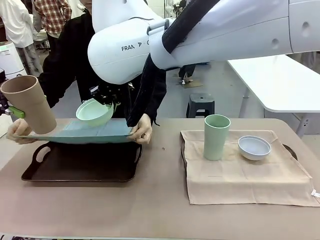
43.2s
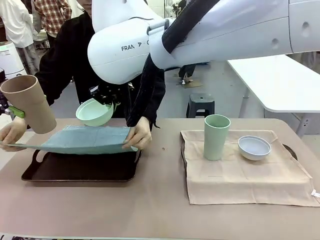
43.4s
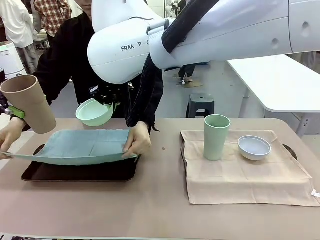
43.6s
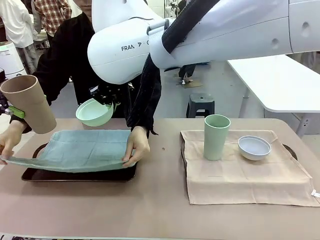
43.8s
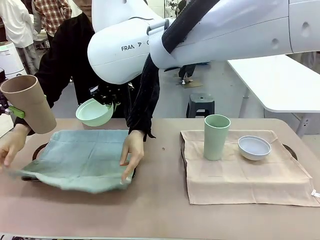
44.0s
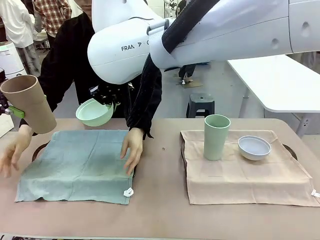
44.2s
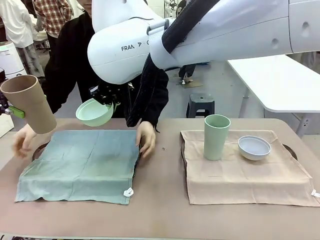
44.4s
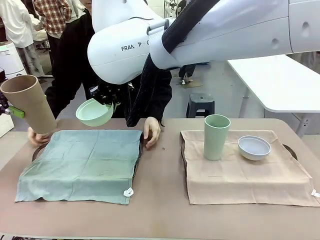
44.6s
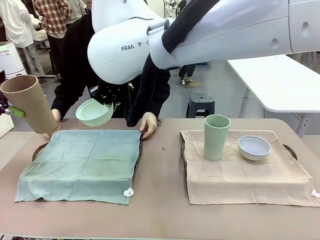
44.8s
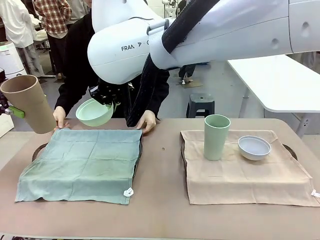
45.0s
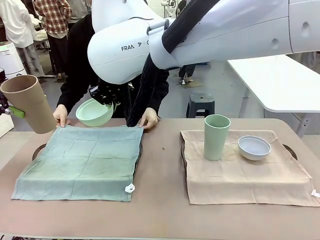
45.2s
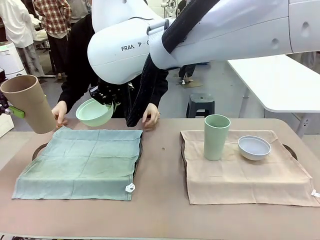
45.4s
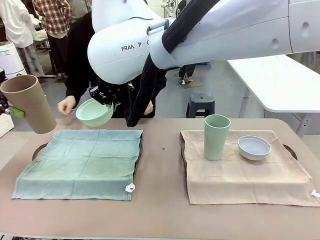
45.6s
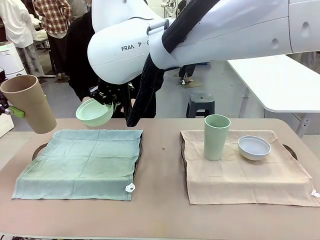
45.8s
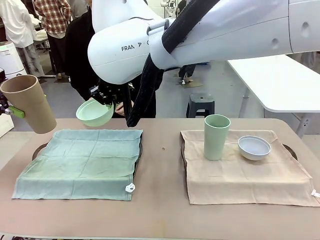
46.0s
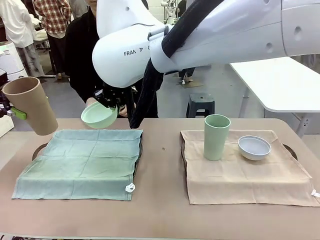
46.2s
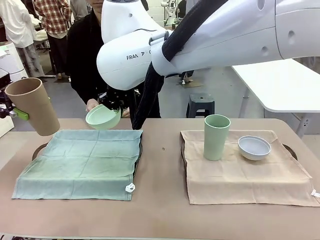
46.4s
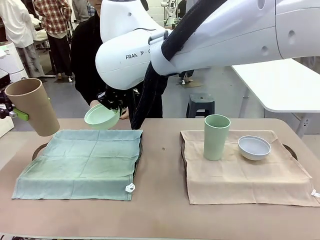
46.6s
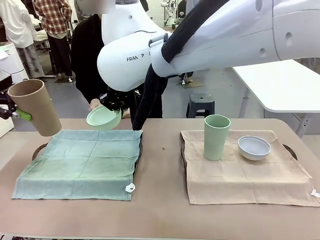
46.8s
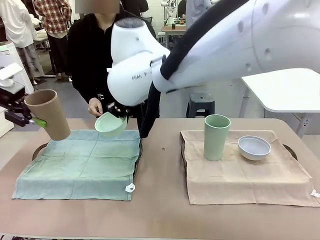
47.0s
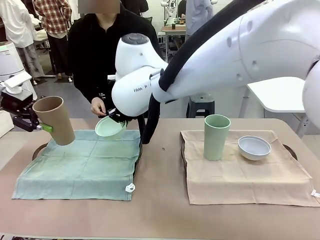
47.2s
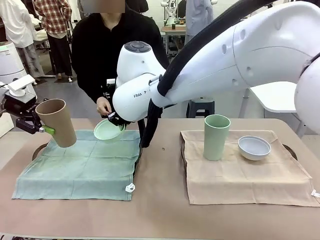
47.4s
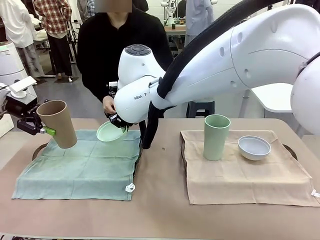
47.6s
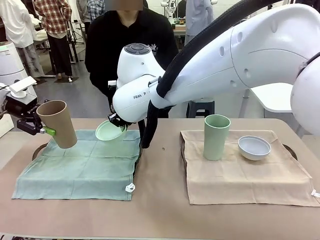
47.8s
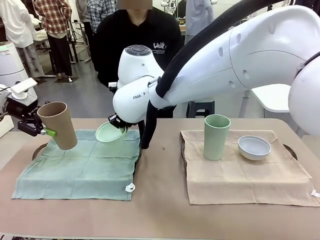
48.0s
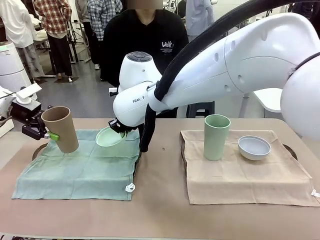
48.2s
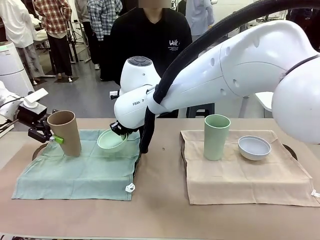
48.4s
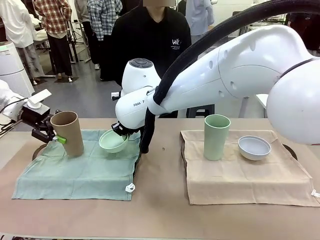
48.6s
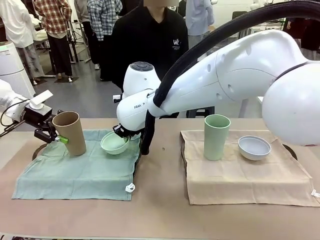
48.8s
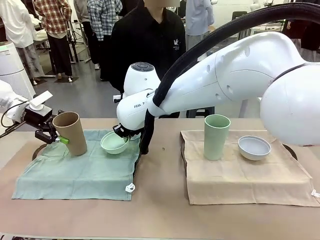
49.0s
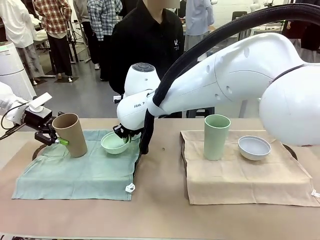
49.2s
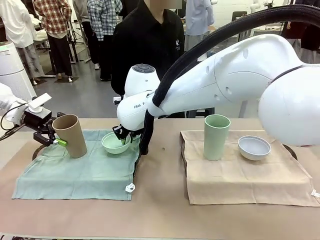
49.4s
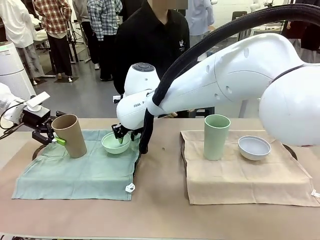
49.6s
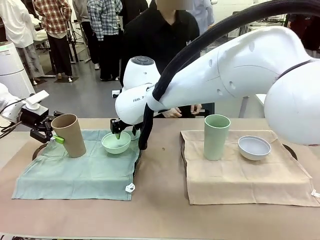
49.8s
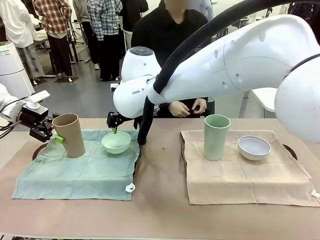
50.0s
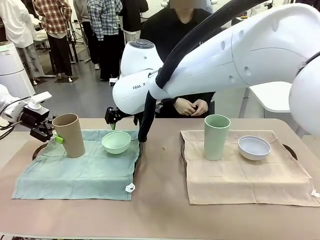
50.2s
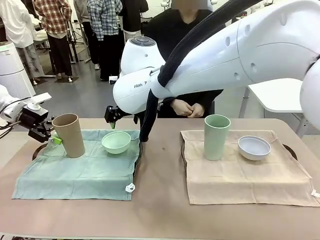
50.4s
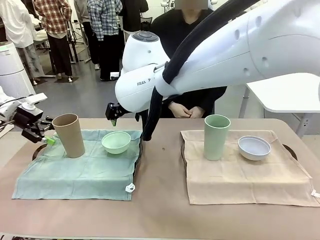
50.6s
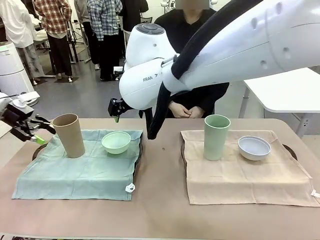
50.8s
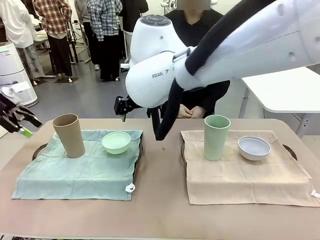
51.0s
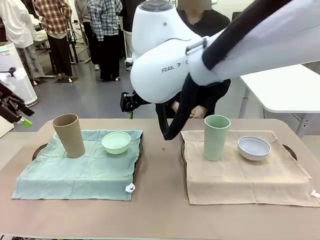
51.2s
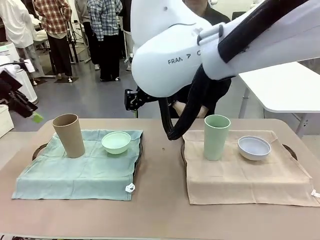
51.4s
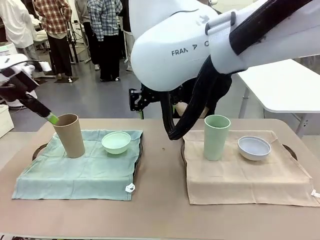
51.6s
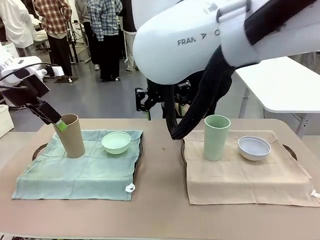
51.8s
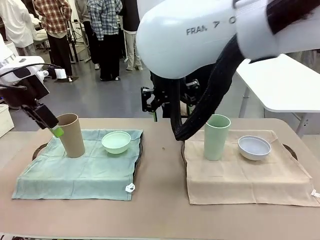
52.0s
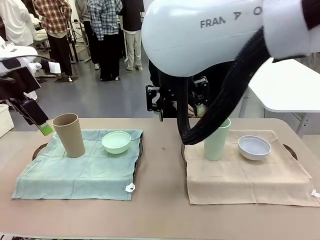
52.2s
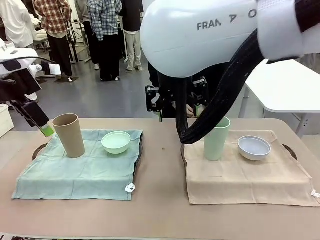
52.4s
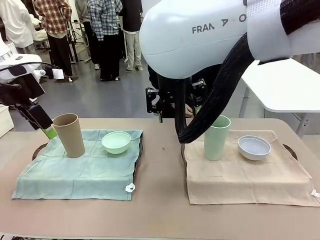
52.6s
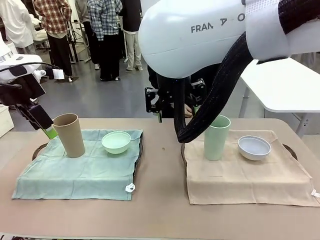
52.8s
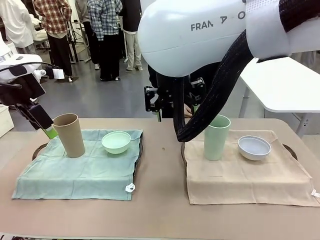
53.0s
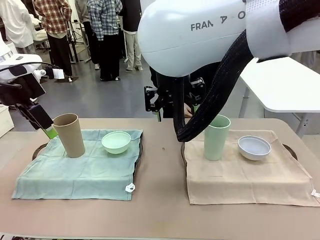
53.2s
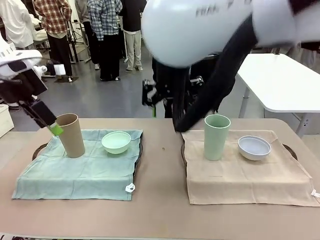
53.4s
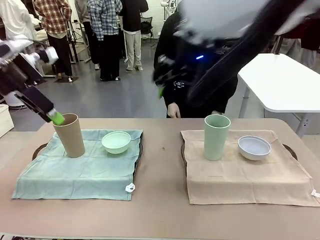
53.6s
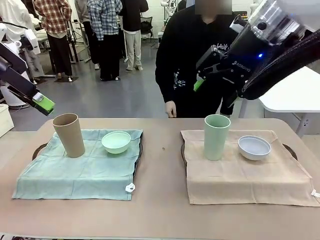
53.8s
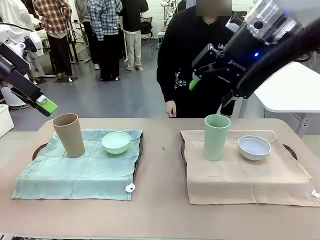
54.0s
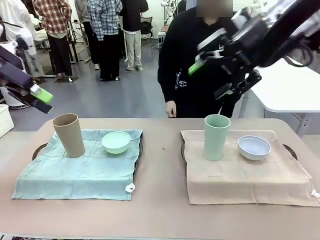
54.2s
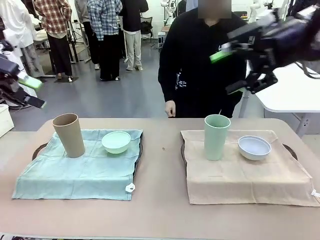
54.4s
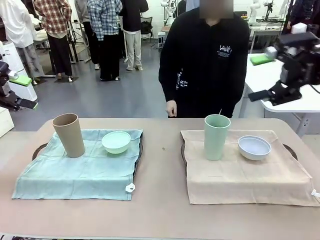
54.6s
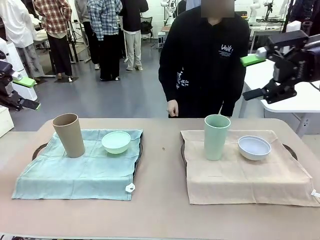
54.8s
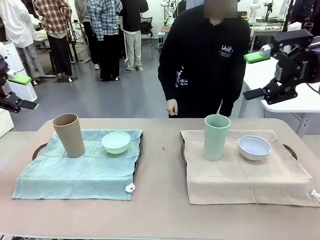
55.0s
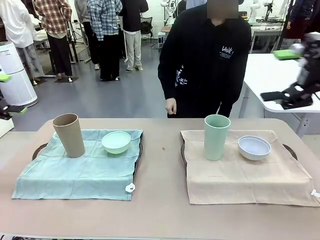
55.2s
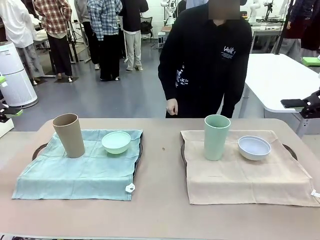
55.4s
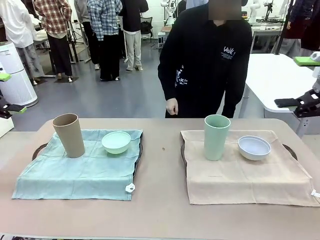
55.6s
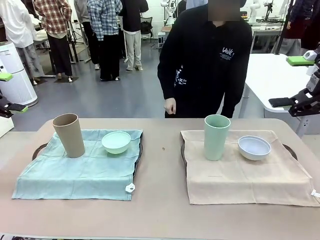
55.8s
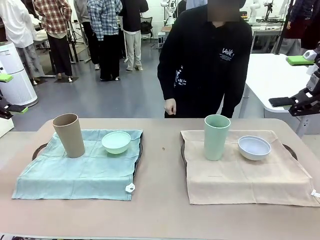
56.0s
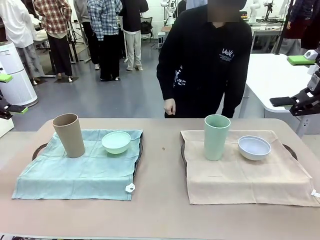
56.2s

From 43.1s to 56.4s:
Robot: Place the Picnic Bowl and Reusable plastic cup back onto the Handle tray in front of the human's position.
Person: When the robot lifts the bowl and the cup, the human unfolds the napkin and lays the napkin flat on the tray.

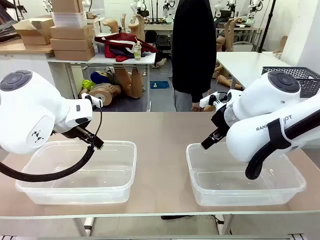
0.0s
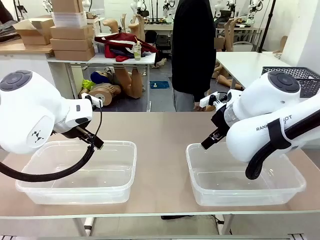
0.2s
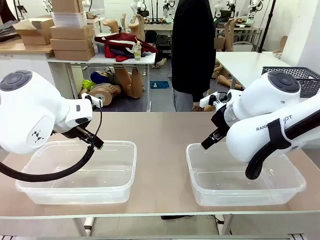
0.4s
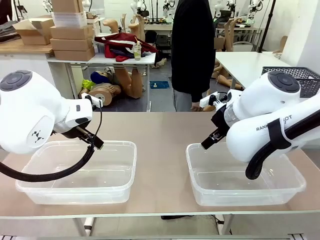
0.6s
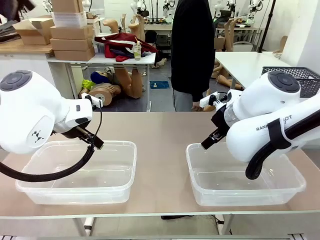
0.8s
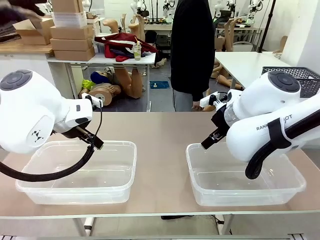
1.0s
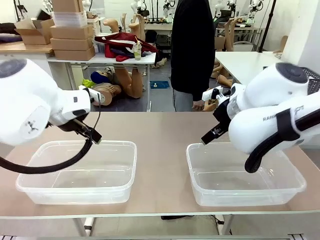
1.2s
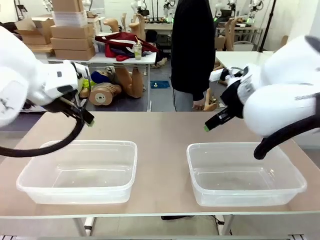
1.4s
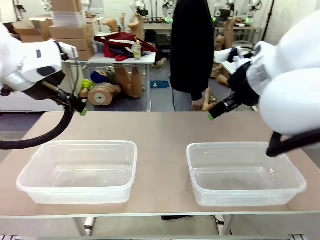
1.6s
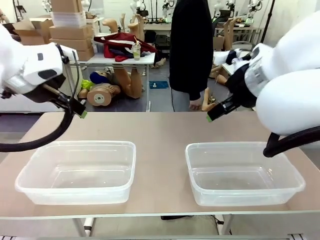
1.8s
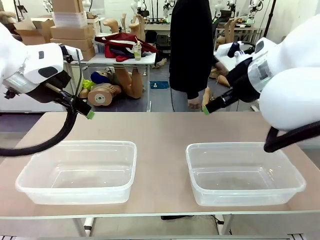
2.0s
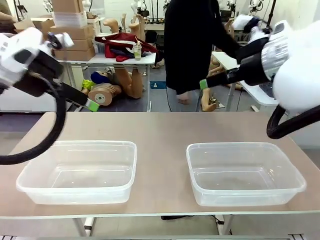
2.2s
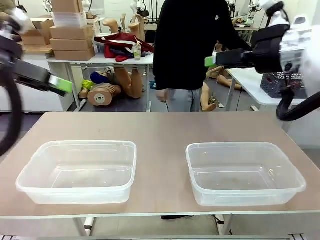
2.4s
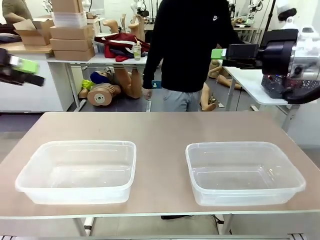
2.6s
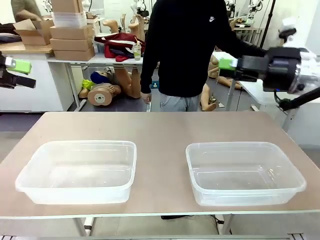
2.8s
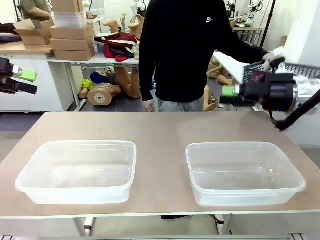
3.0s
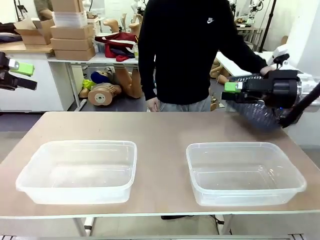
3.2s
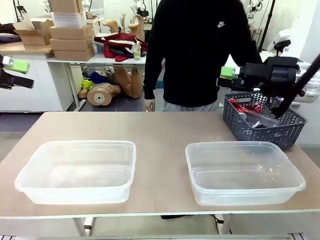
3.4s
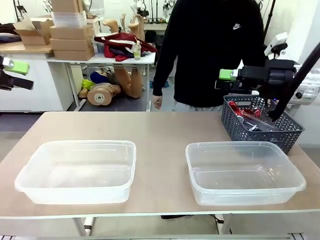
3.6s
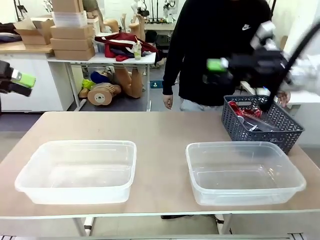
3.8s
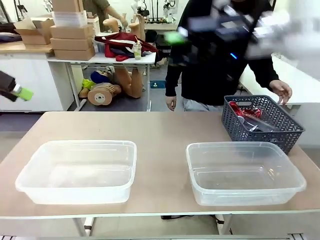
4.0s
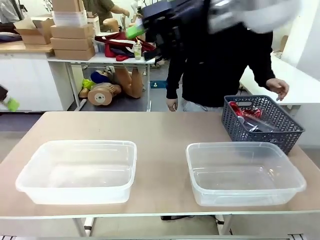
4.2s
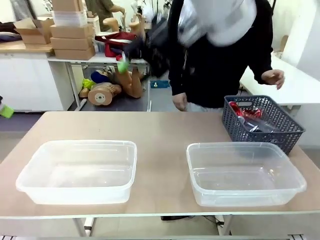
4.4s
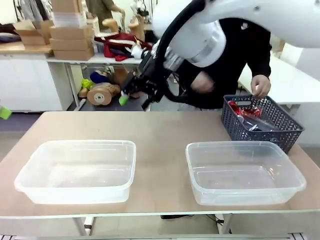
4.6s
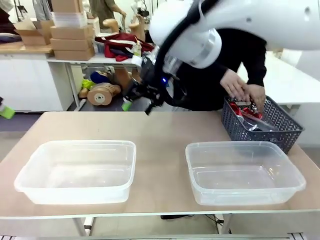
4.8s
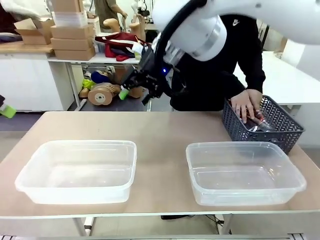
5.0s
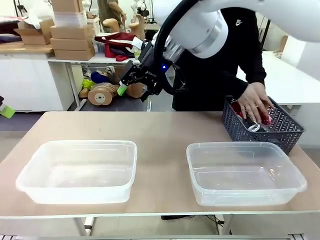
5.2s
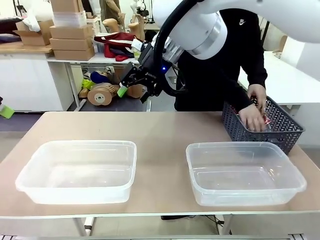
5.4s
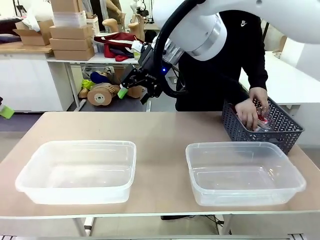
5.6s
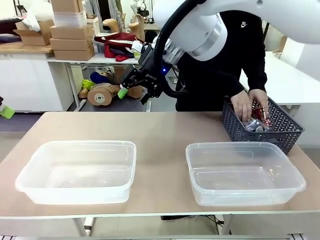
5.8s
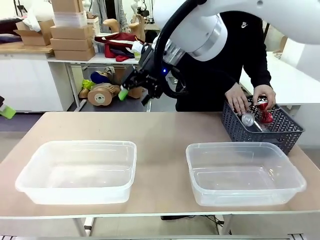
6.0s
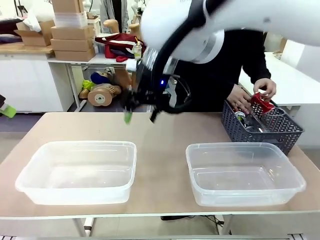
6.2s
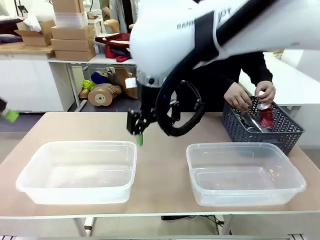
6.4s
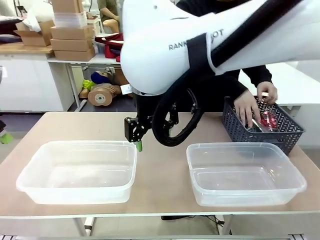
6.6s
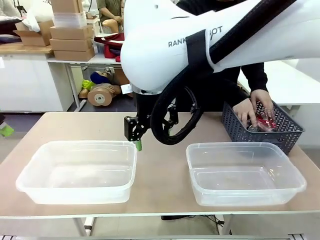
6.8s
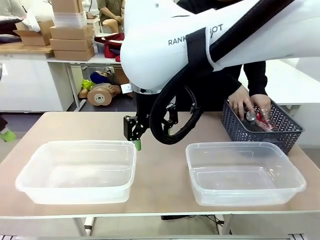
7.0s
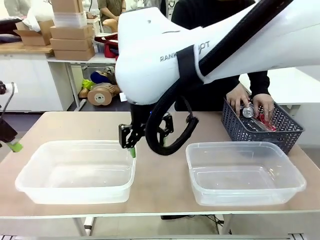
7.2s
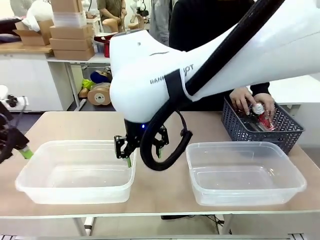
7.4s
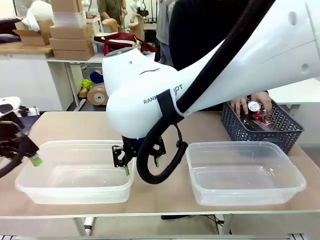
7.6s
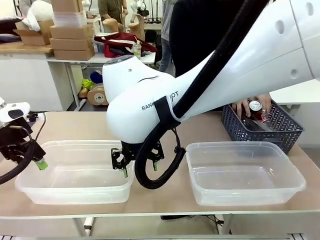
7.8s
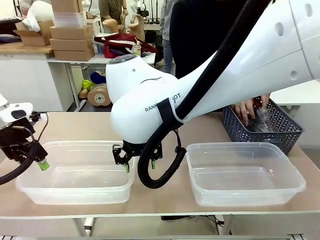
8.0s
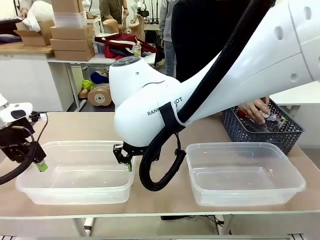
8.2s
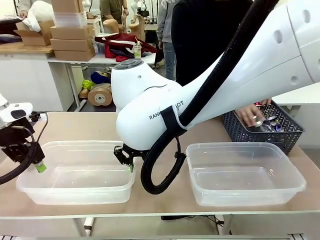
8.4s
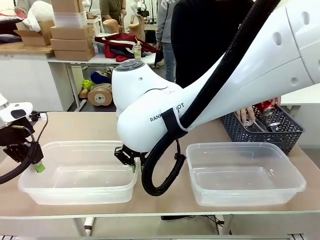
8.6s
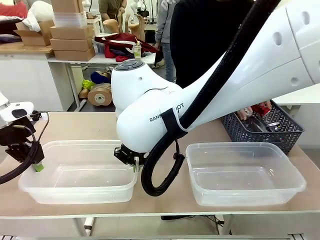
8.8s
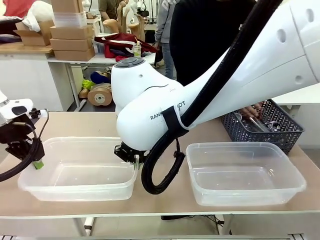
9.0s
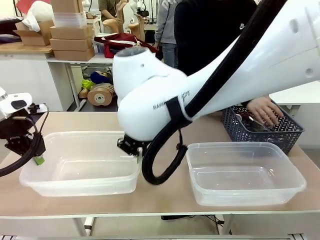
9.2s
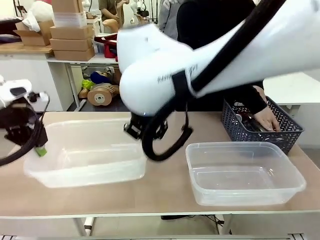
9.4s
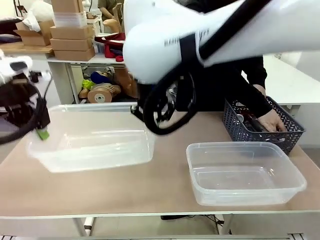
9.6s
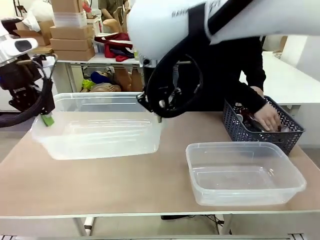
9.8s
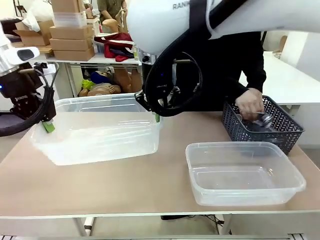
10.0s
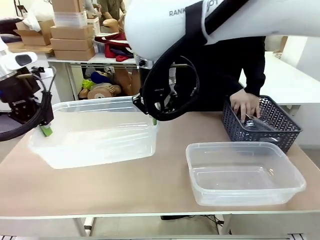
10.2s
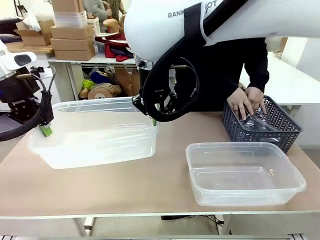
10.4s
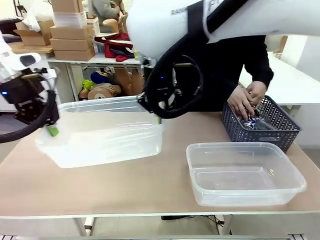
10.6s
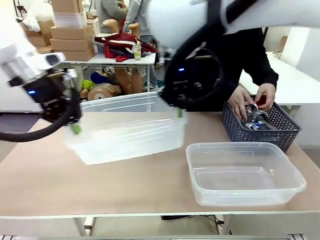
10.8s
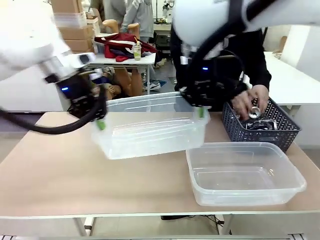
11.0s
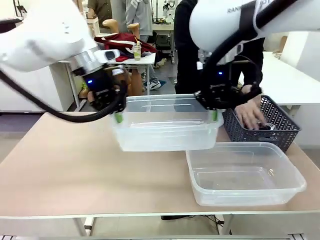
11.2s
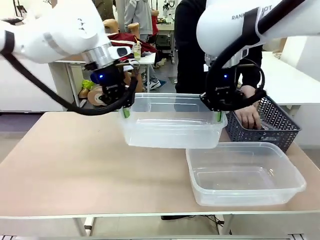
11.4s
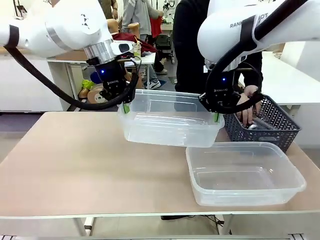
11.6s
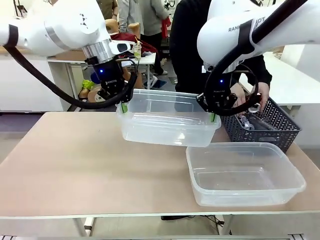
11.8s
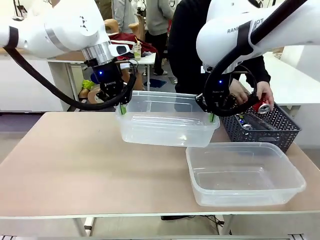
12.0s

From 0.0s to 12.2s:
Robot: Pick up the Organizing box on the left side of the table and lift it.
Person: Pick up the storage basket and place it on the left side of the robot table. Pick up can-shaped waste one by one and place it into the organizing box lifted by the robot.
